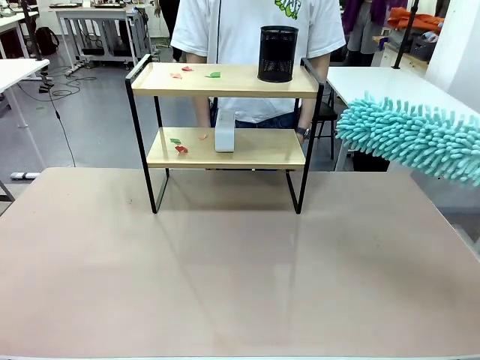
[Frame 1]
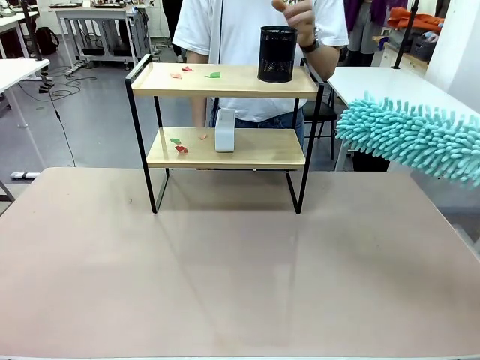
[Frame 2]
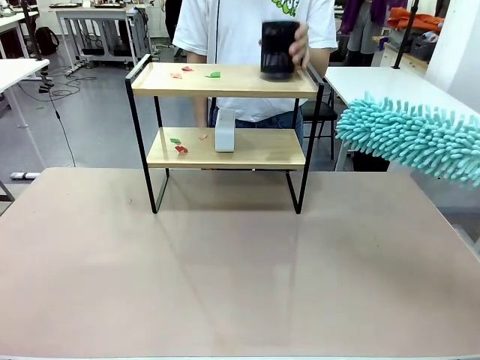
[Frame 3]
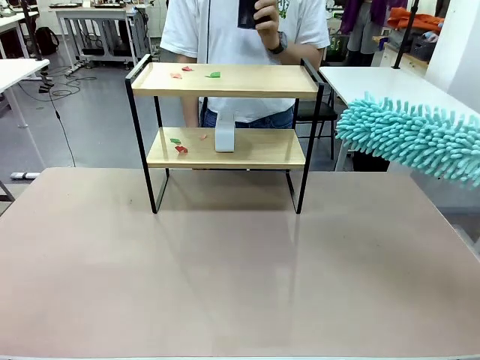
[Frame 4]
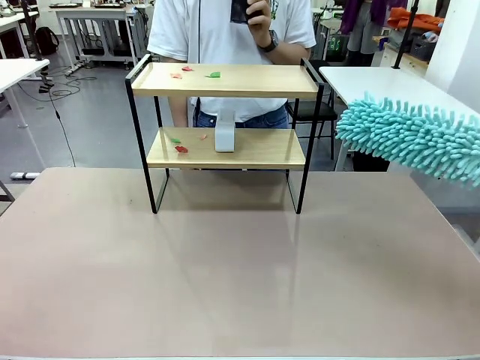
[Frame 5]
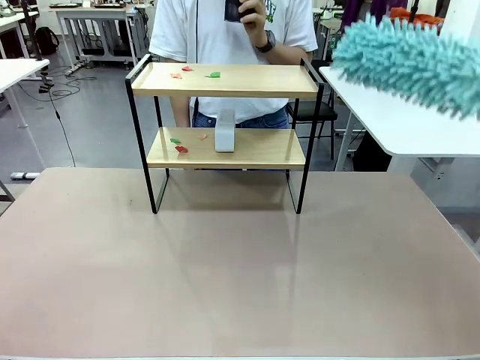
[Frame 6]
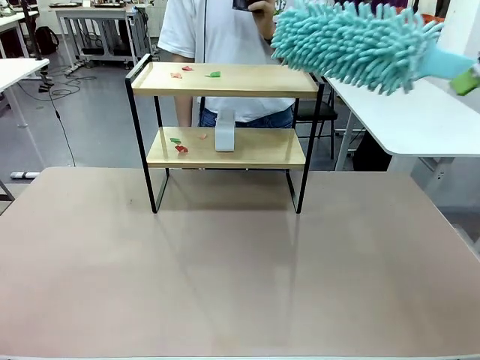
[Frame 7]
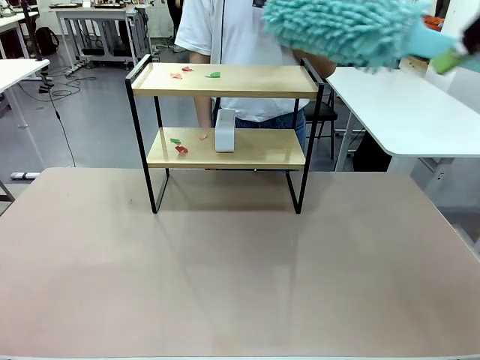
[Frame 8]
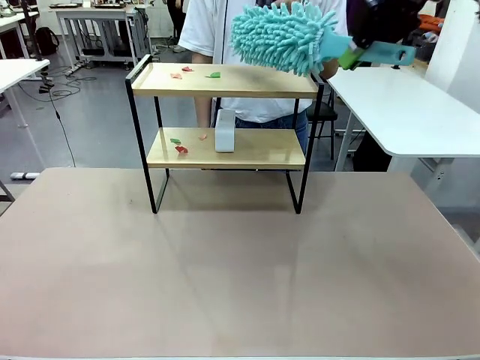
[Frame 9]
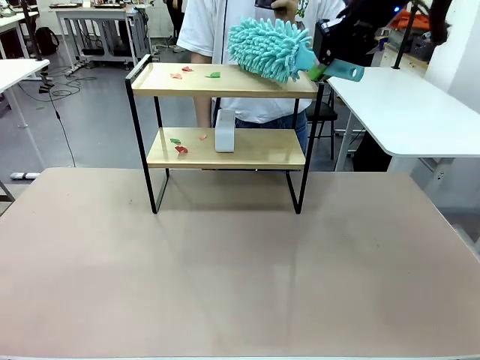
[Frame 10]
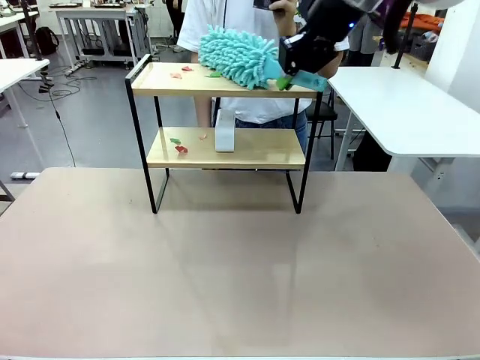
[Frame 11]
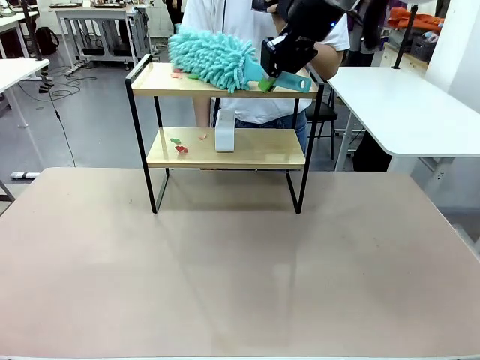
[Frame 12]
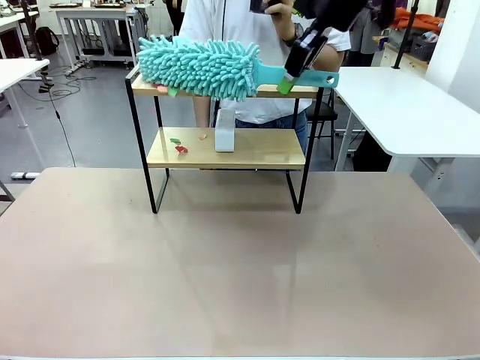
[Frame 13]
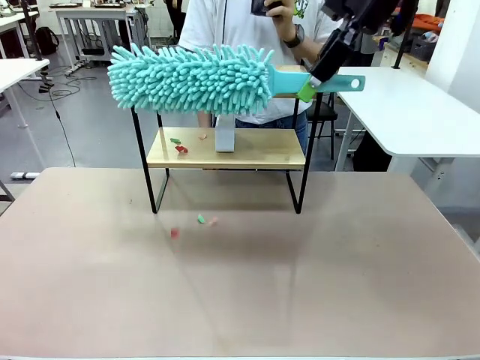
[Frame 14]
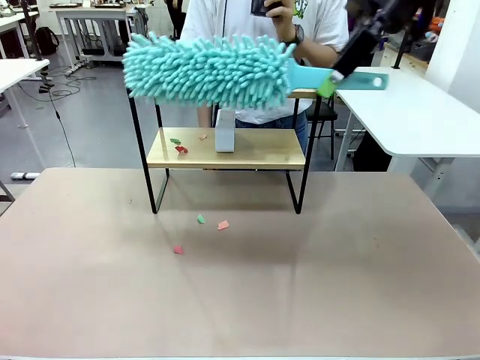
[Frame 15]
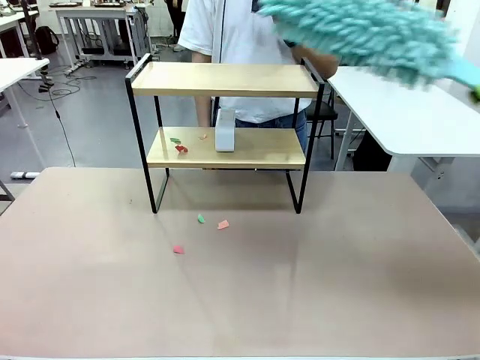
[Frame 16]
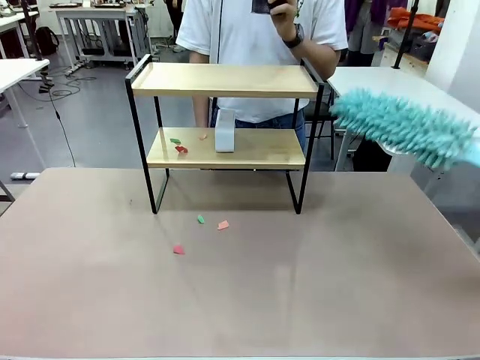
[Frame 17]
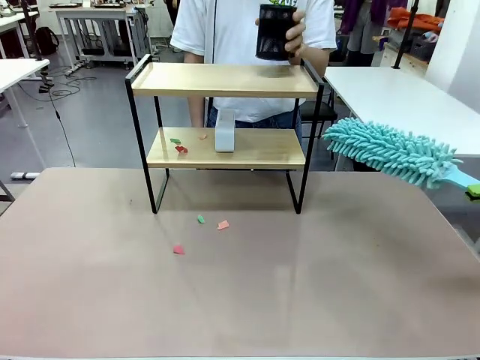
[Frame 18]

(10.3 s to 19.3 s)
Task: Clean the shelf.
Robot: Clean the specific tier of the Shelf with the Duster once objects are removed.
Person: Lift the objects on a randomly selected tier of the Shelf. Once the robot finishes cleaning, lift the objects on the remaining tiers of the Shelf.

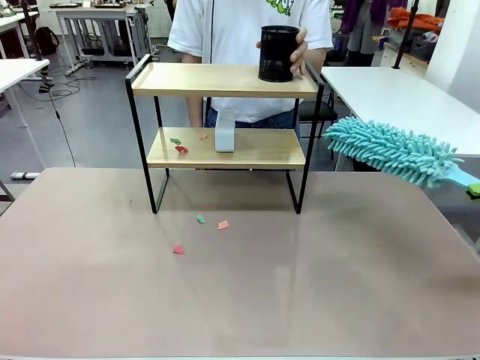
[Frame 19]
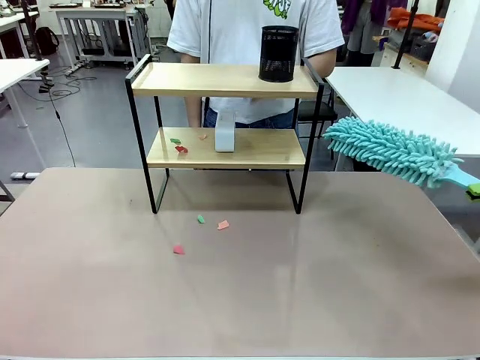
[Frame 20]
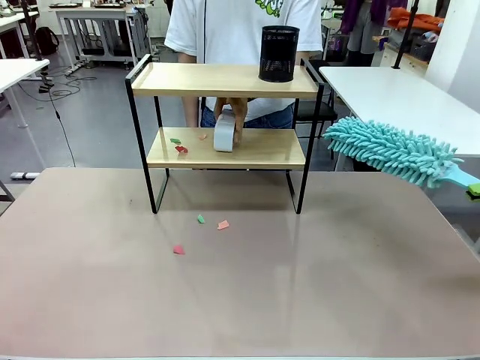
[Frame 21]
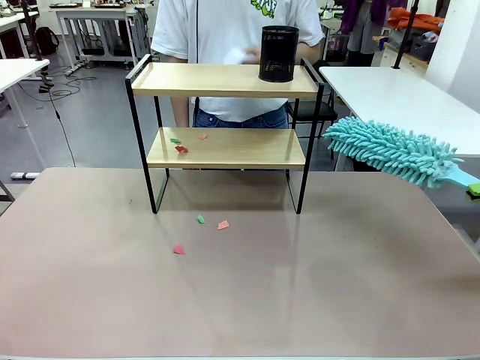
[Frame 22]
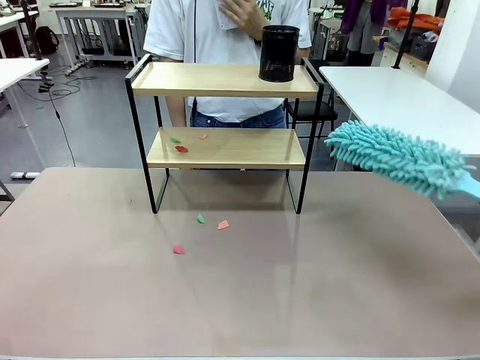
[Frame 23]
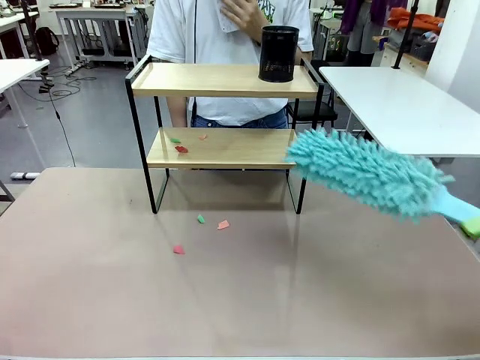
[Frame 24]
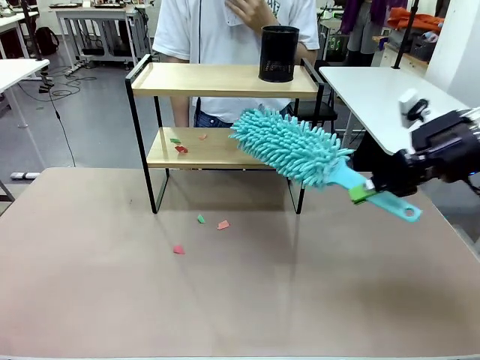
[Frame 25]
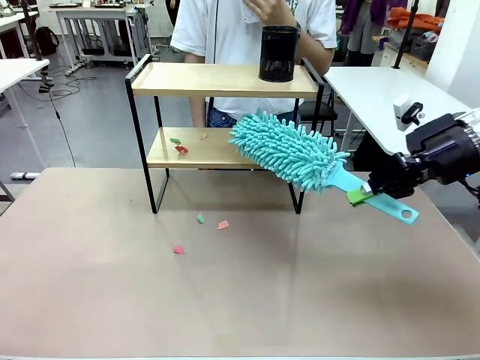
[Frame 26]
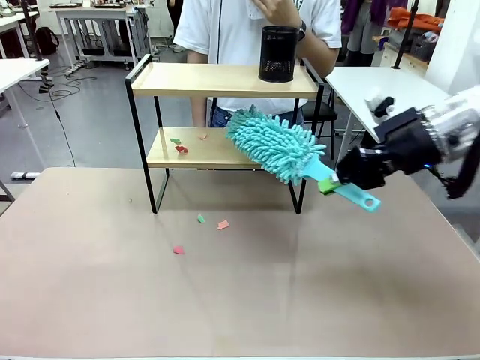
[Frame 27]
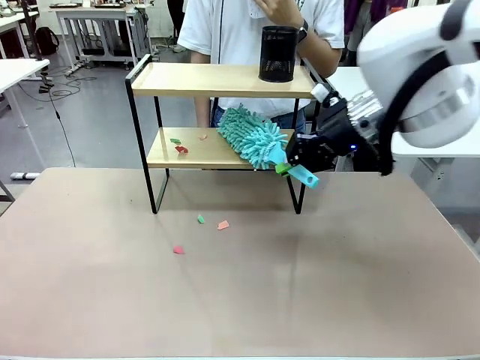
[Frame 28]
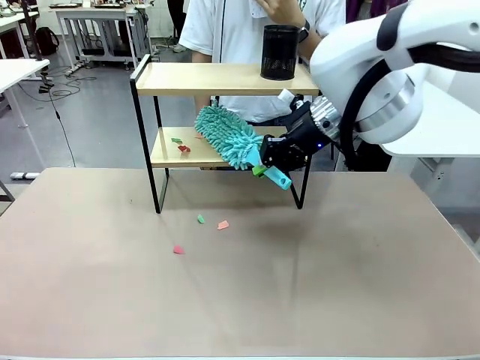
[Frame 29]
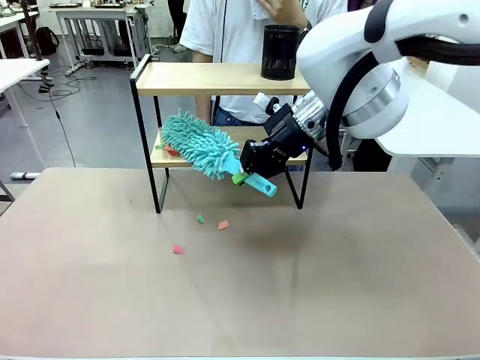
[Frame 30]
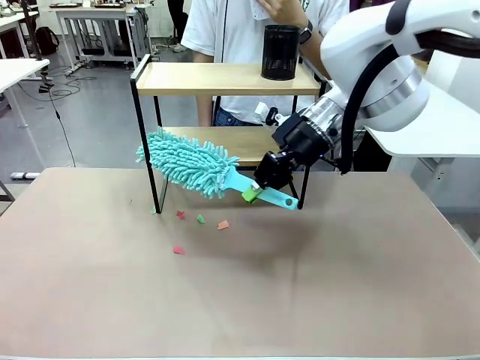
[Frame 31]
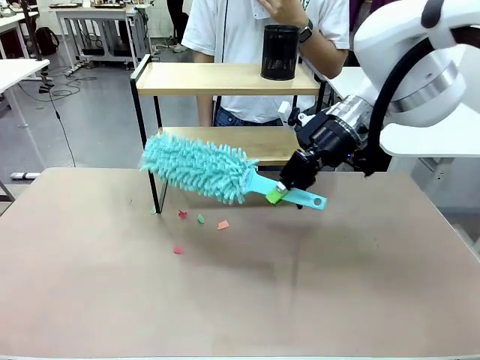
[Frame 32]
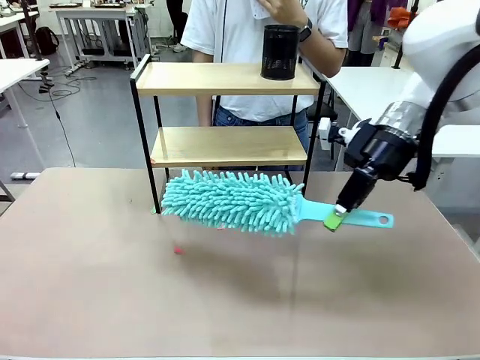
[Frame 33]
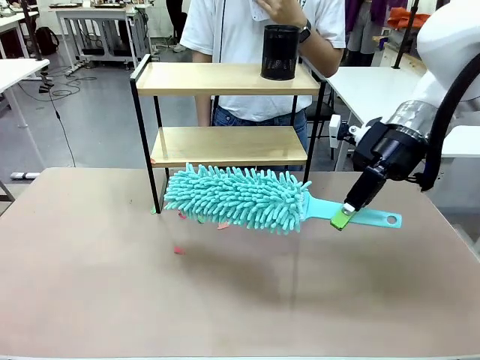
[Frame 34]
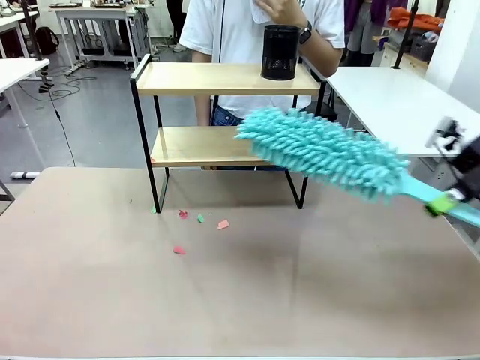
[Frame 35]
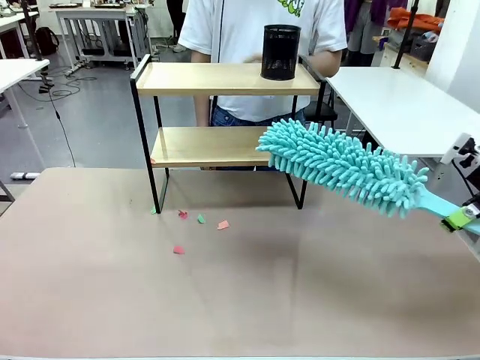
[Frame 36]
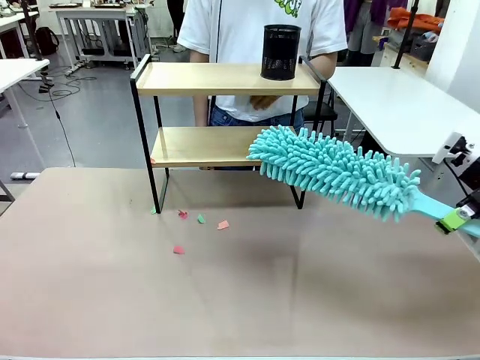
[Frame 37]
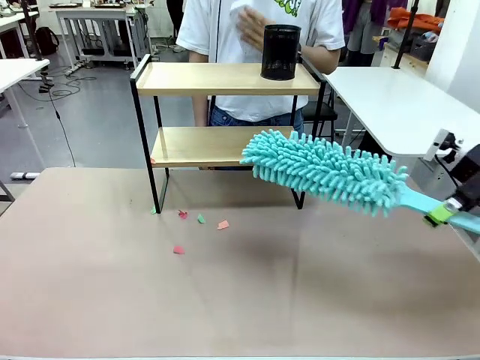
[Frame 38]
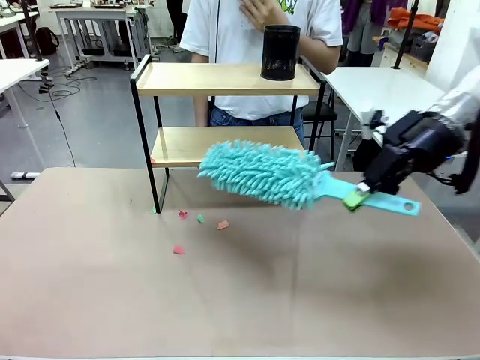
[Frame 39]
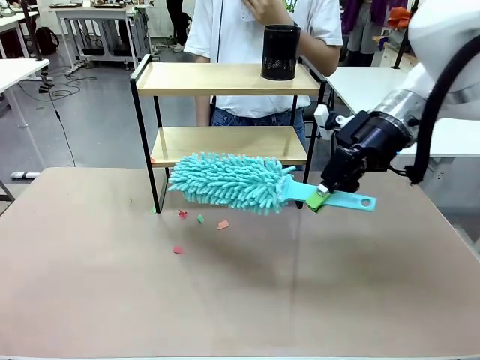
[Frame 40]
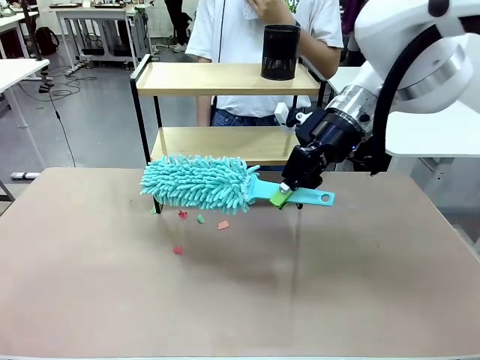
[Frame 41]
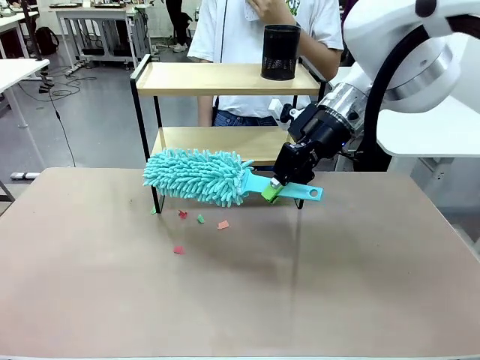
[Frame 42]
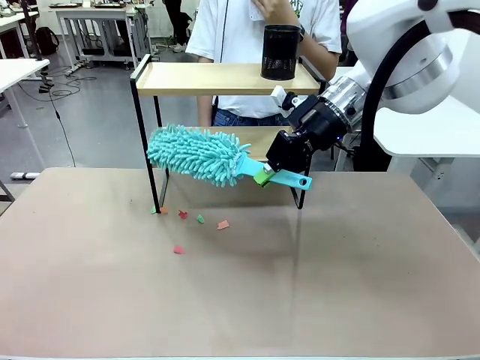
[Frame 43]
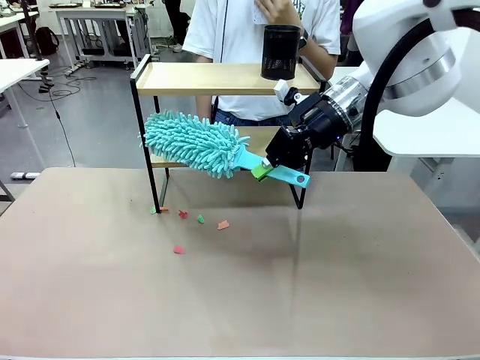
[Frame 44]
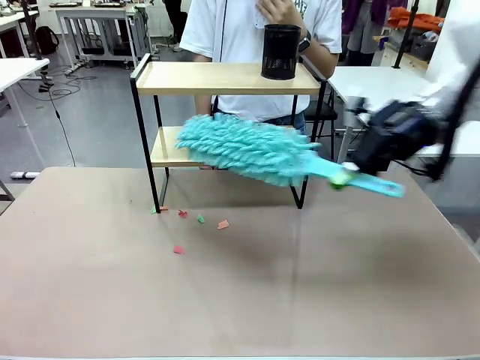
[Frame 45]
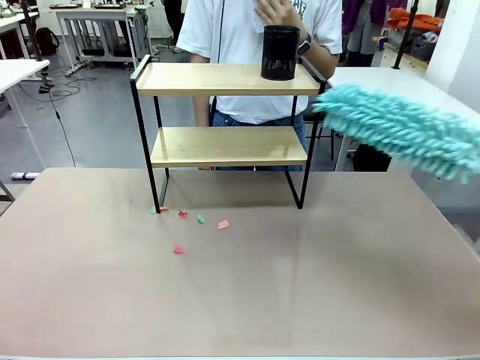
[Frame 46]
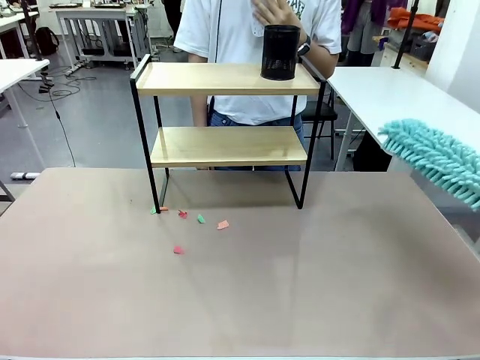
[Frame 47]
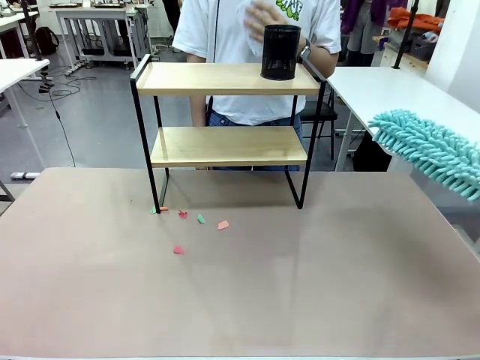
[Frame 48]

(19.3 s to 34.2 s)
Robot: Clean the remaining tier of the Shelf with the Duster once objects are removed.

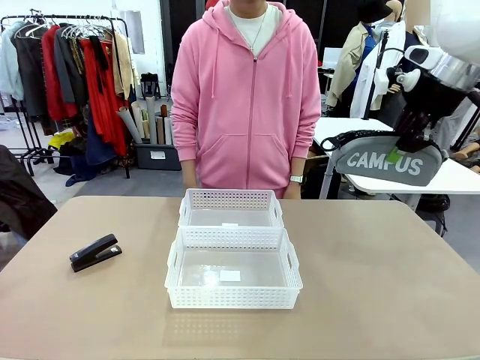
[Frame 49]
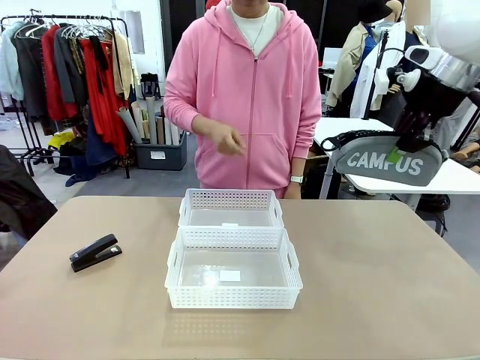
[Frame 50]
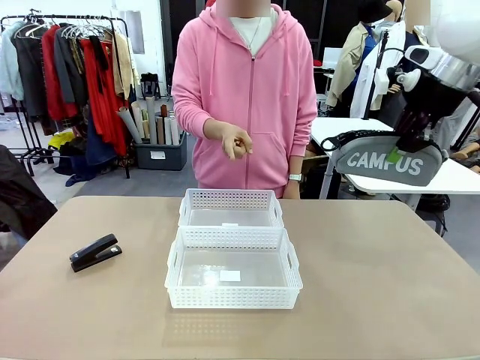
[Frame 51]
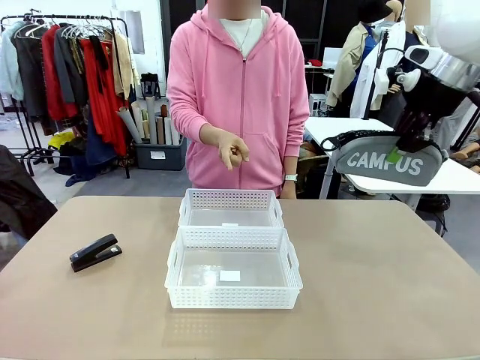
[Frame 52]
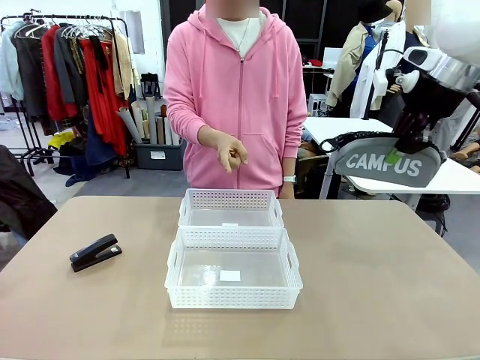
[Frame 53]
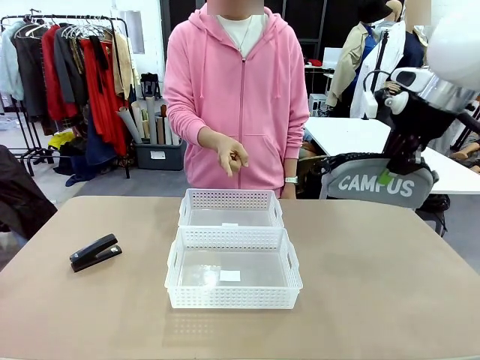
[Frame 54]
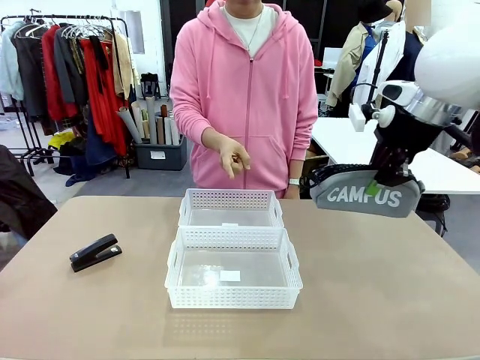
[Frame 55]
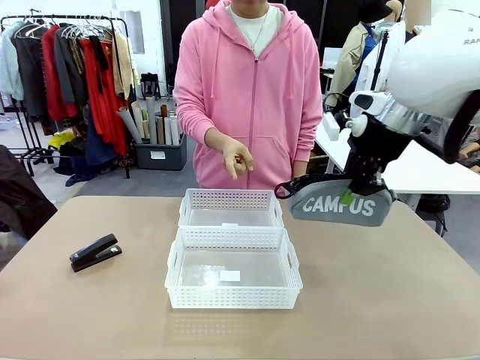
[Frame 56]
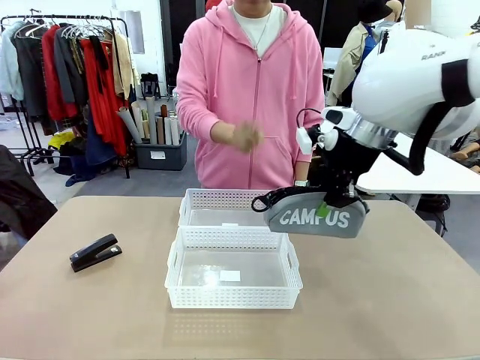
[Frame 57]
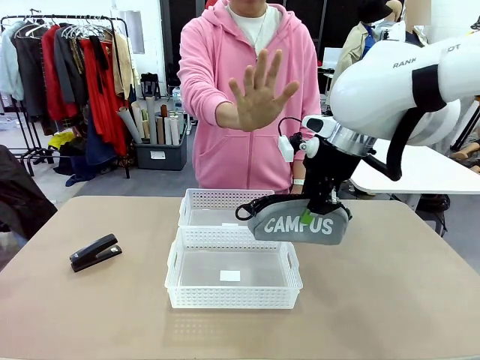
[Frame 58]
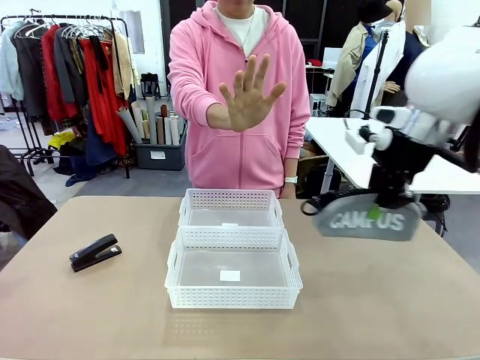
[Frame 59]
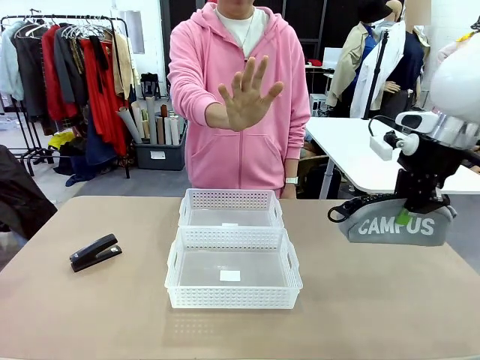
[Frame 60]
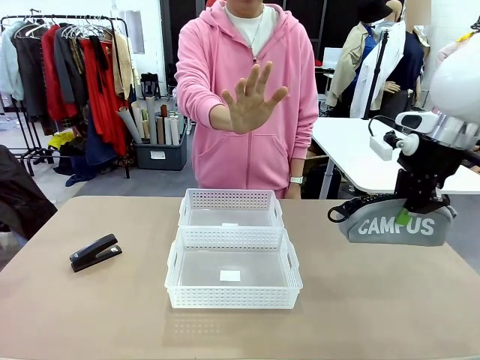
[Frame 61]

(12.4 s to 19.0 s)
Task: Distribute items into two baskets.
Robot: Move the picked Pencil pouch towards the Organizing basket indicated by the person, stopping as directed.
Person: Sends a stop gesture before the robot places the pencil case into the basket.
